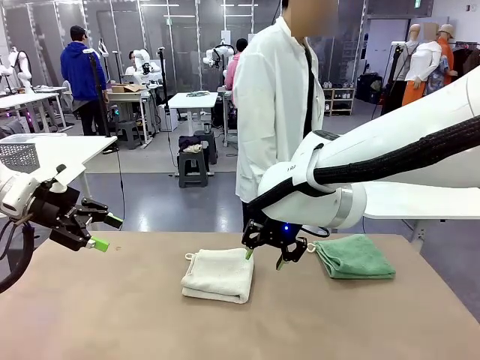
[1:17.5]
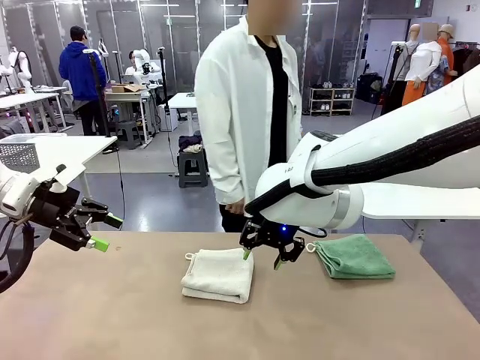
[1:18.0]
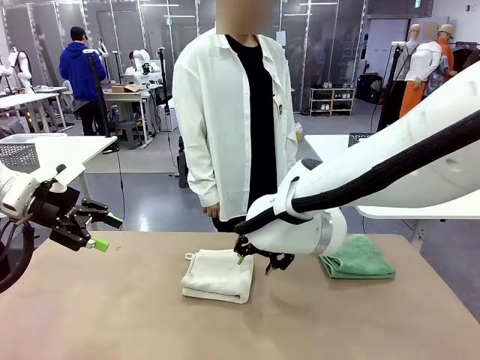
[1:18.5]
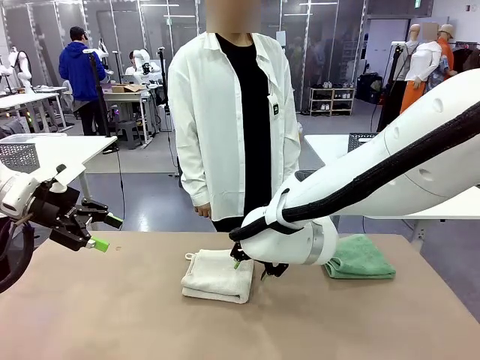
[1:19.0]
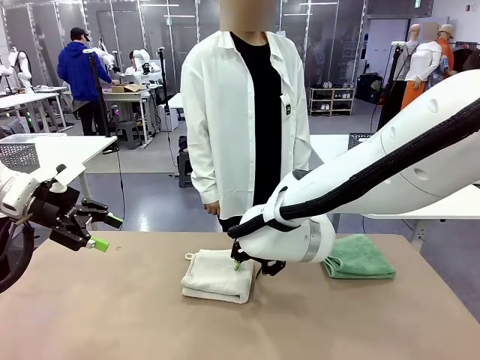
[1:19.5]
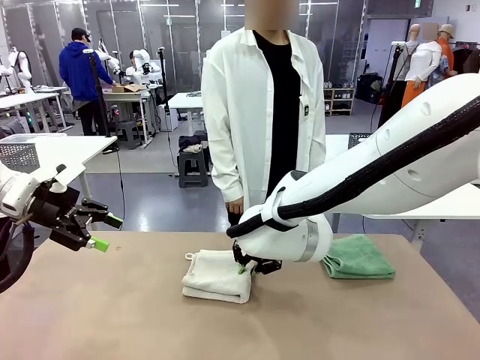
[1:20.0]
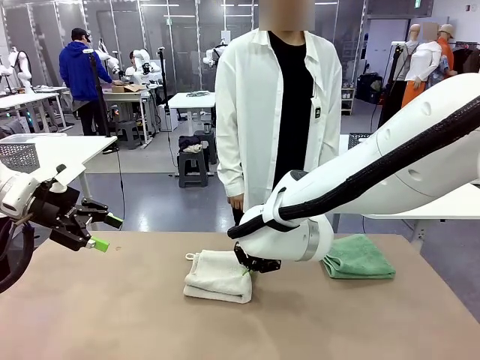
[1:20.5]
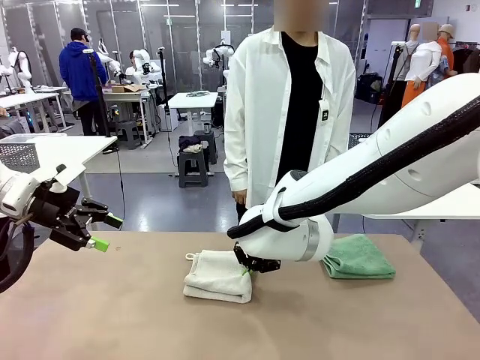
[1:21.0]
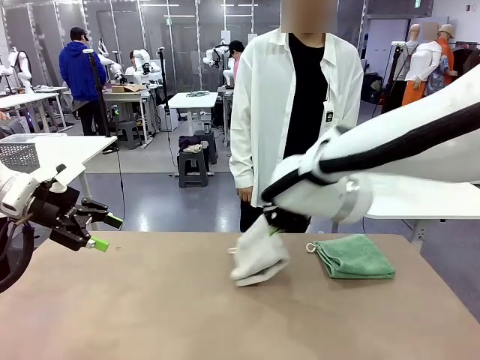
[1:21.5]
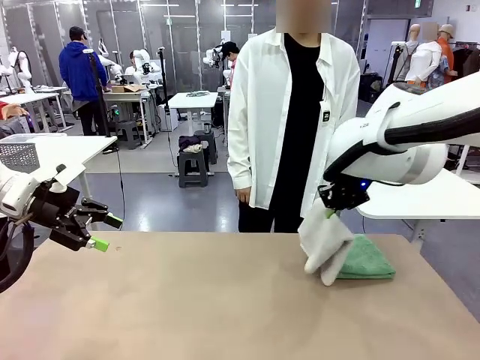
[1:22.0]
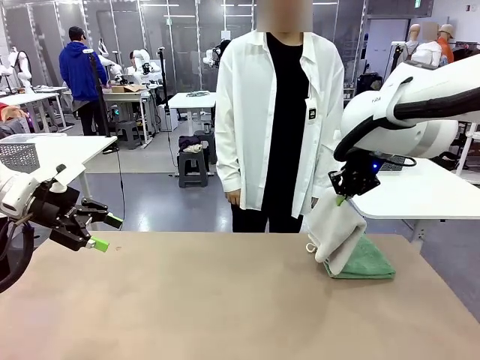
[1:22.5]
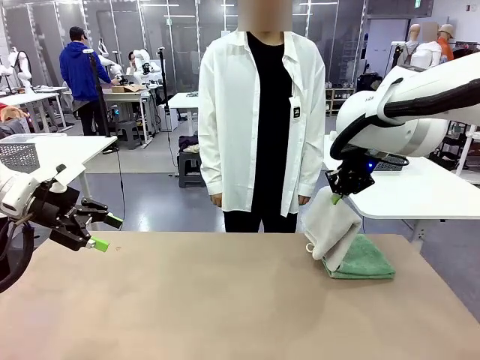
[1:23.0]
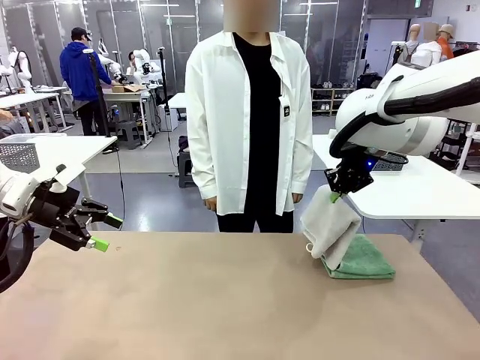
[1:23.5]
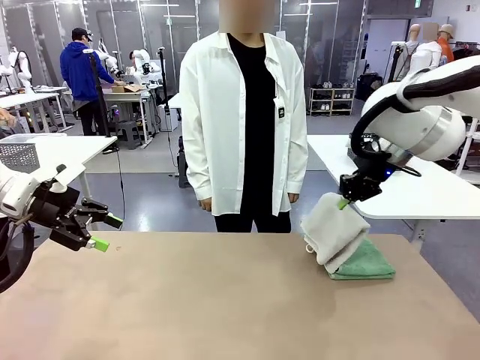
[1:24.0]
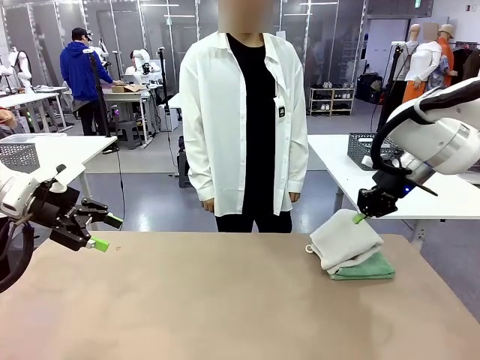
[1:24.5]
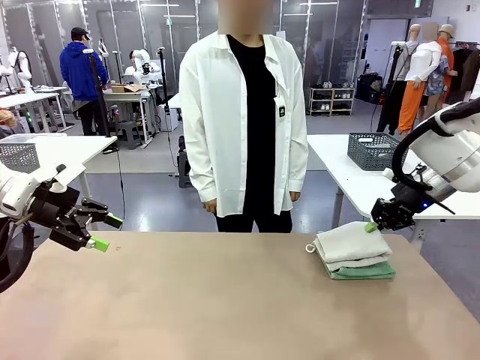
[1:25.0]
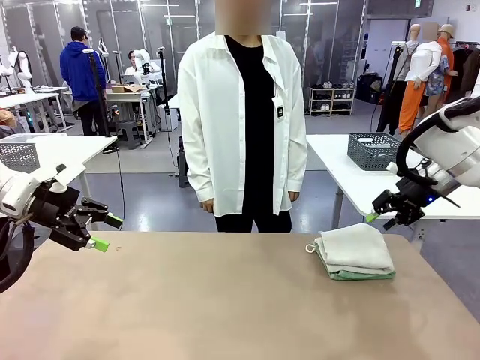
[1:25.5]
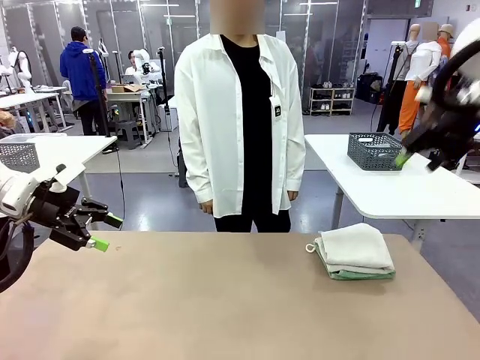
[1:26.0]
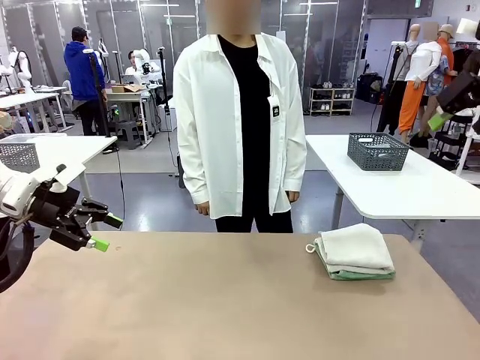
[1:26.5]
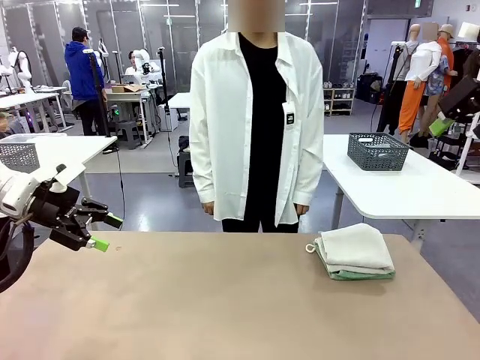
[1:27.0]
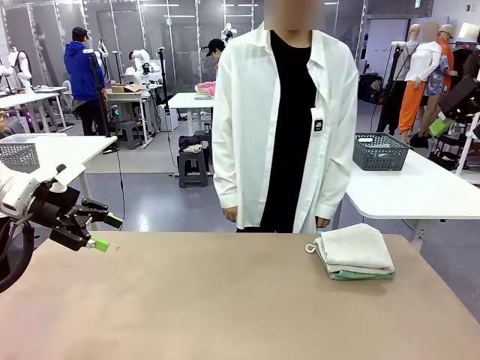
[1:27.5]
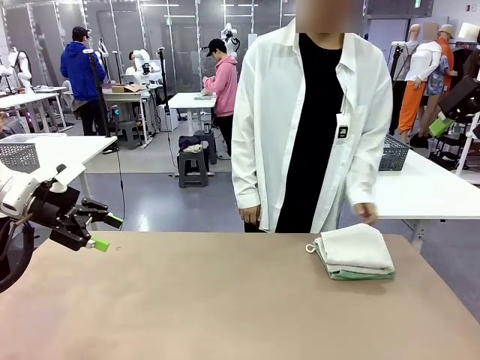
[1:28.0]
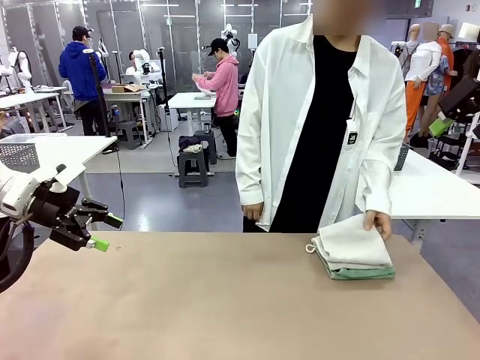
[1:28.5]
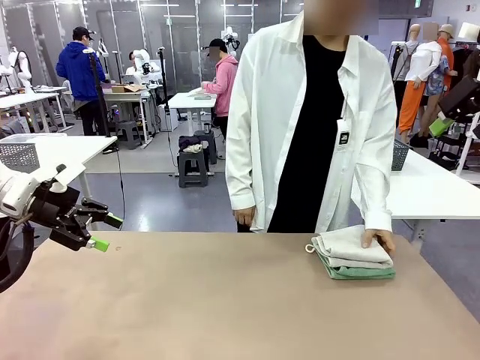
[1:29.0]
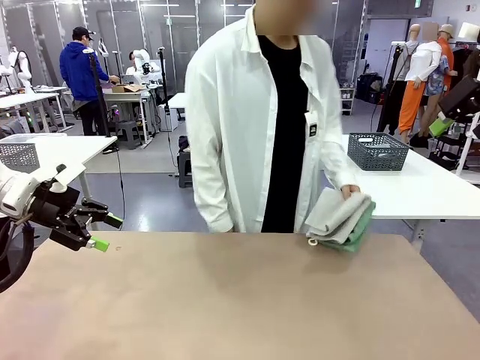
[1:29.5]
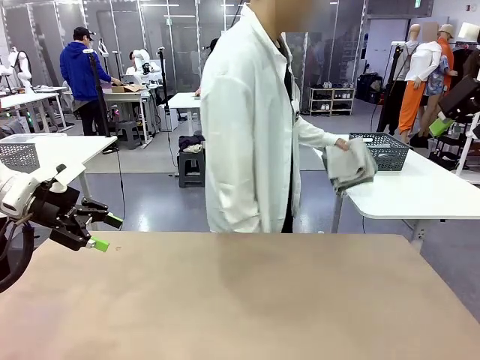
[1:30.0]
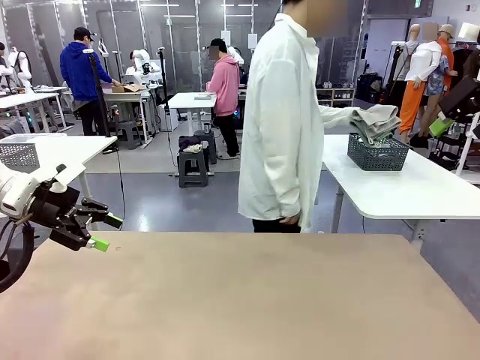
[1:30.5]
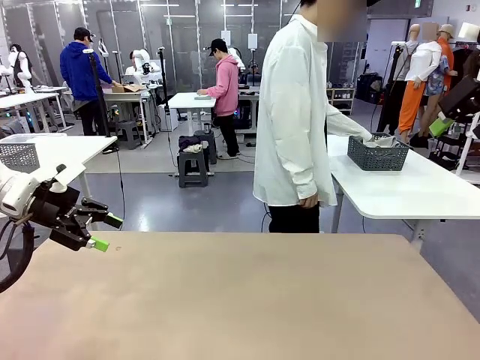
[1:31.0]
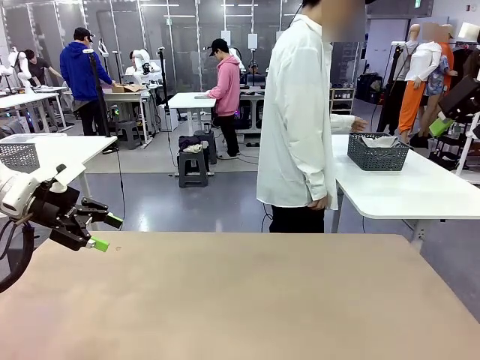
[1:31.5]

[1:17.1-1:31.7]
Task: Fold the towels and place them in the basket.
Robot: Stack the folded Towel with hook on the right side of the table.
Person: Pick up the stack of towels from the robot table and place it into the basket.

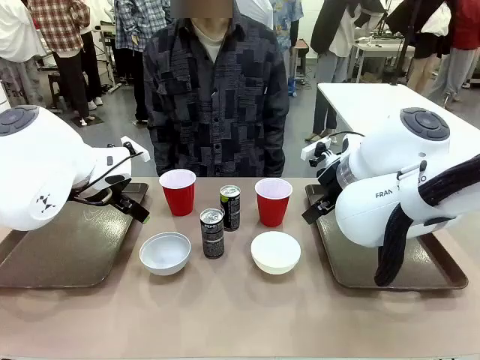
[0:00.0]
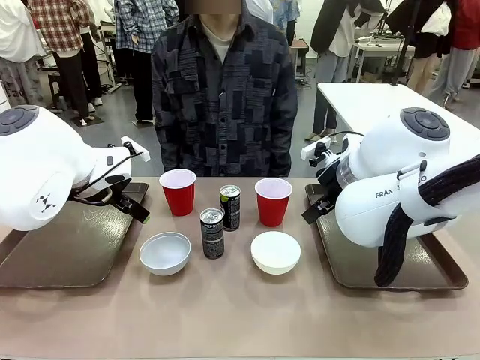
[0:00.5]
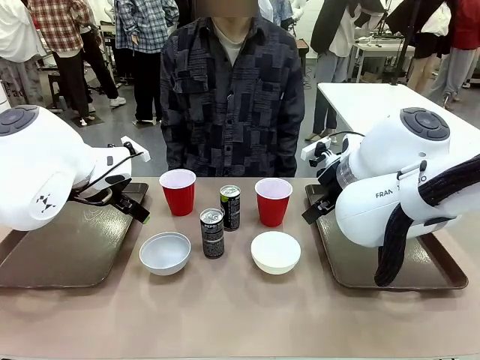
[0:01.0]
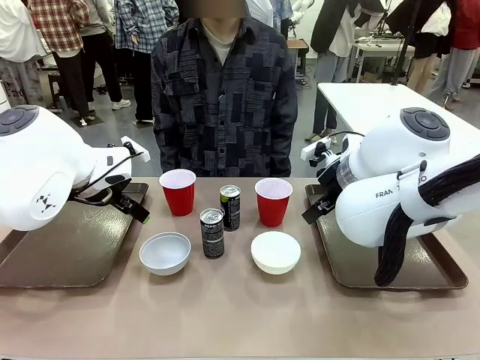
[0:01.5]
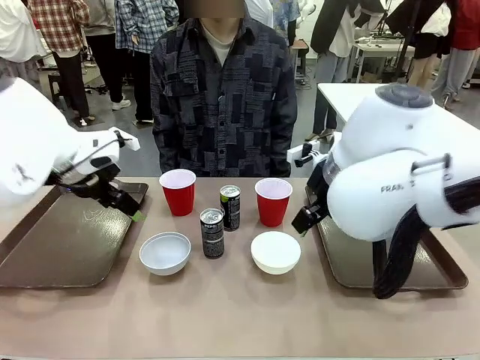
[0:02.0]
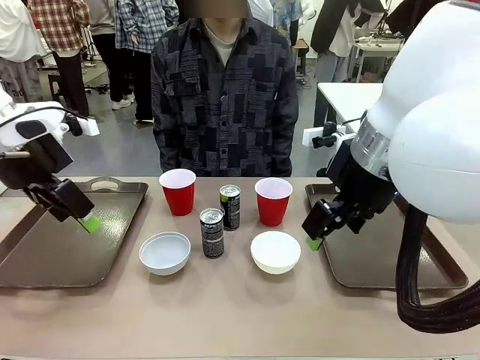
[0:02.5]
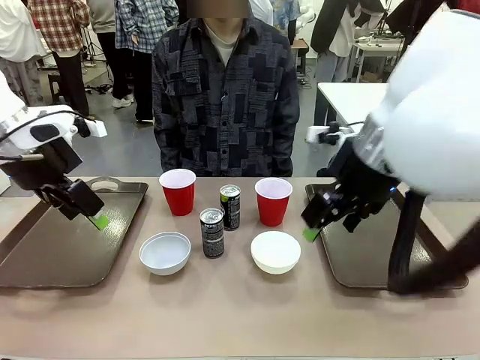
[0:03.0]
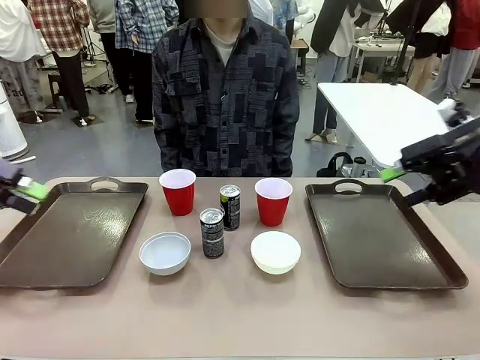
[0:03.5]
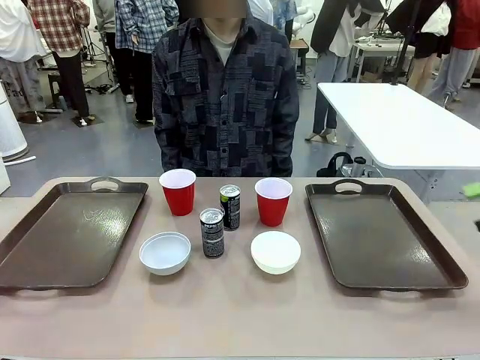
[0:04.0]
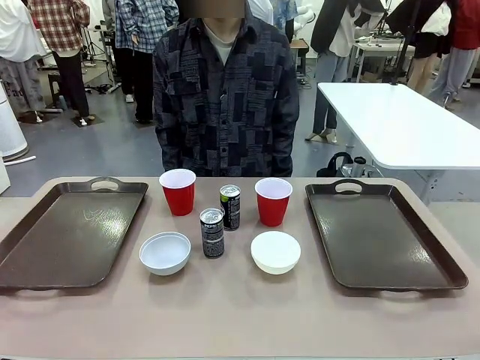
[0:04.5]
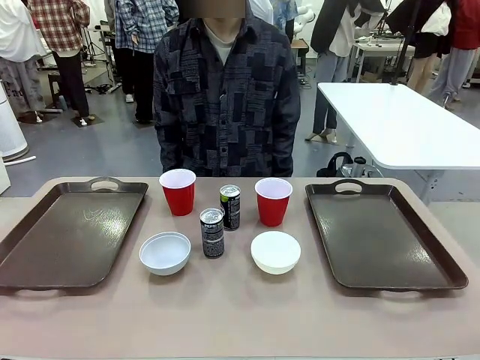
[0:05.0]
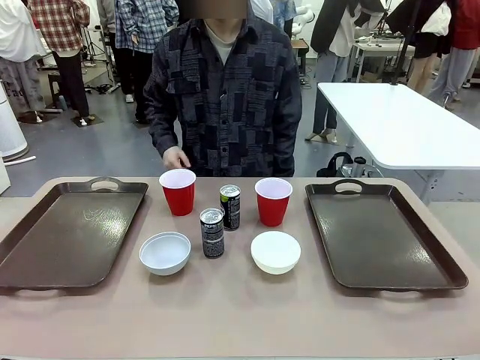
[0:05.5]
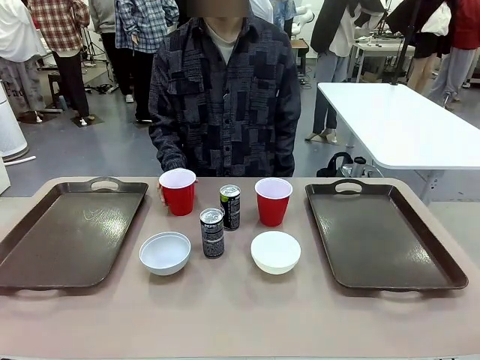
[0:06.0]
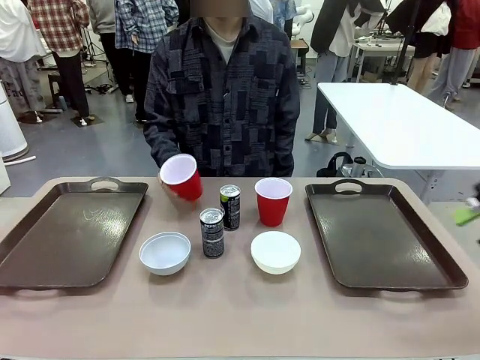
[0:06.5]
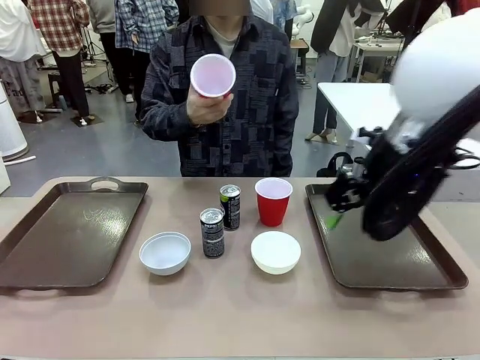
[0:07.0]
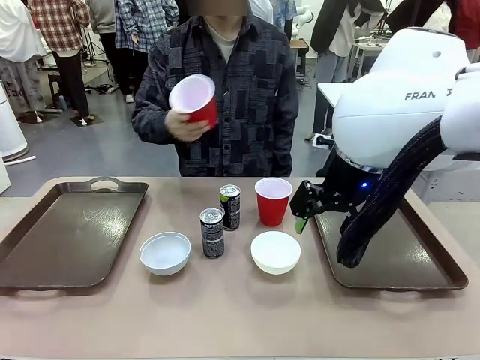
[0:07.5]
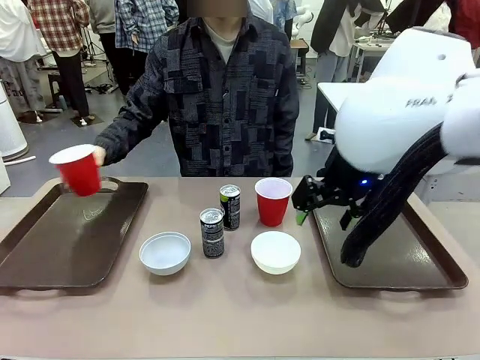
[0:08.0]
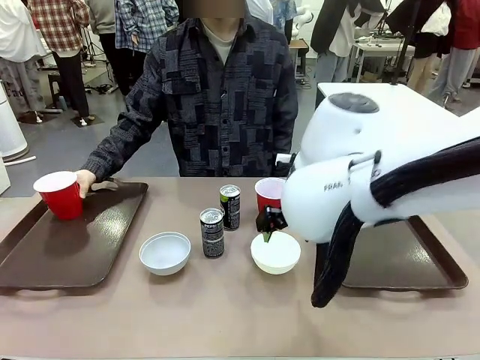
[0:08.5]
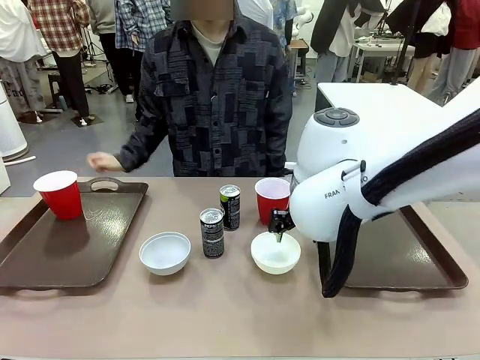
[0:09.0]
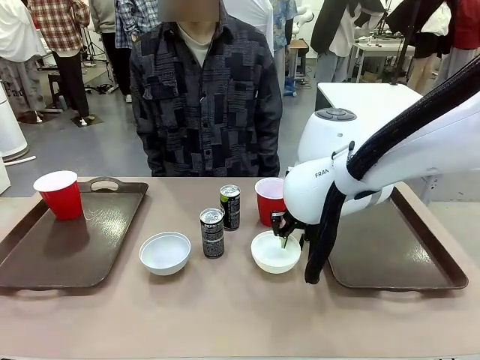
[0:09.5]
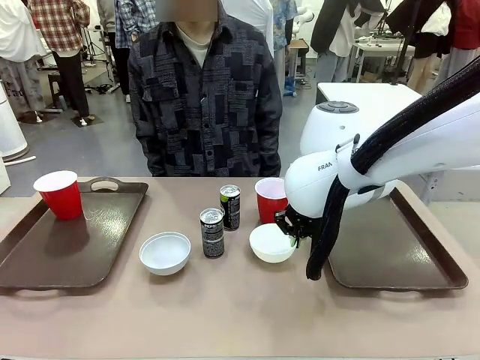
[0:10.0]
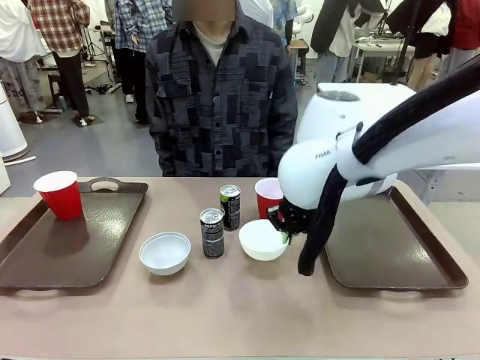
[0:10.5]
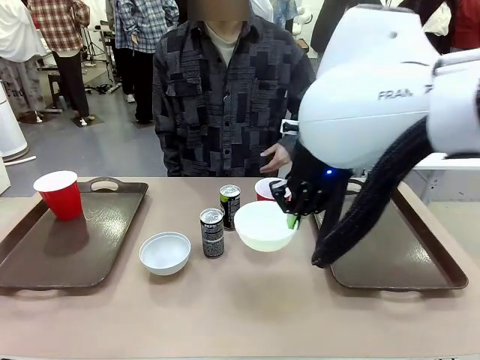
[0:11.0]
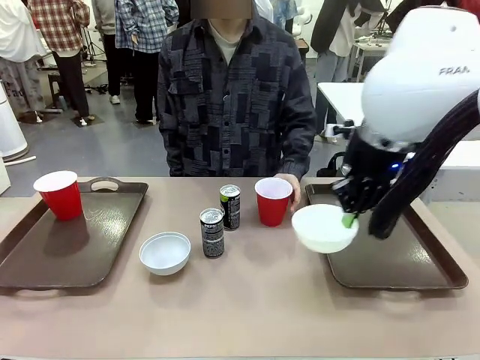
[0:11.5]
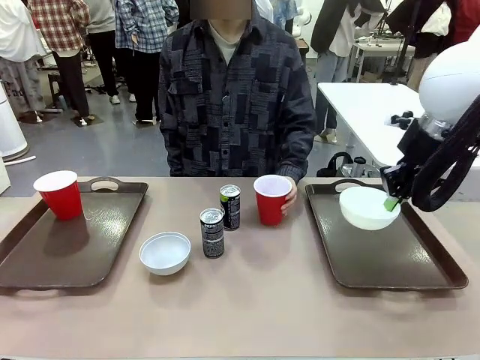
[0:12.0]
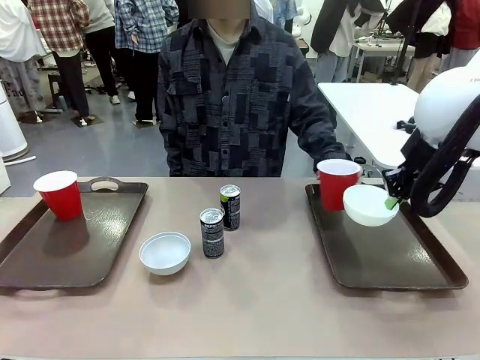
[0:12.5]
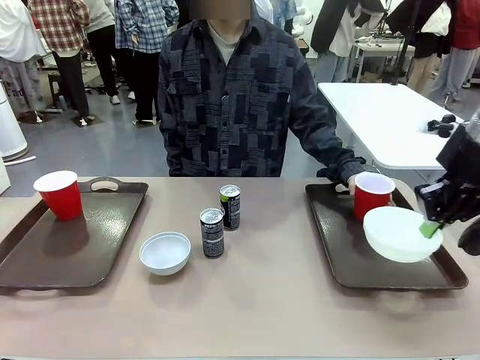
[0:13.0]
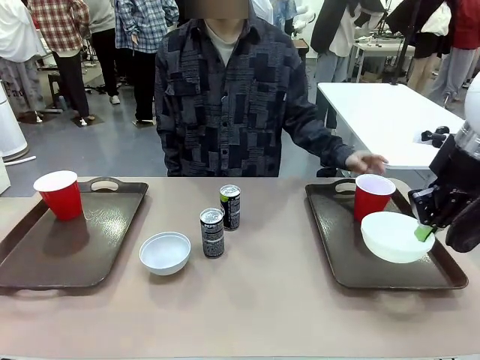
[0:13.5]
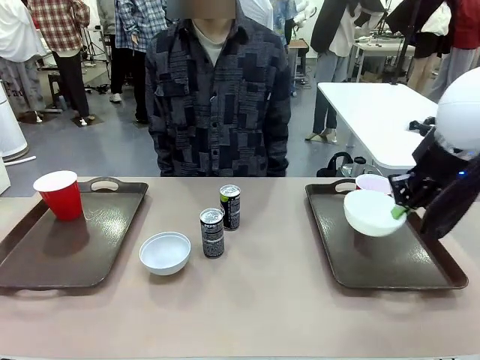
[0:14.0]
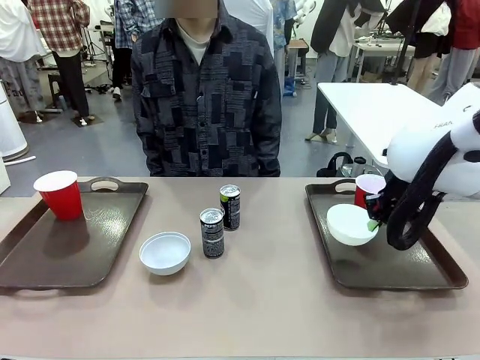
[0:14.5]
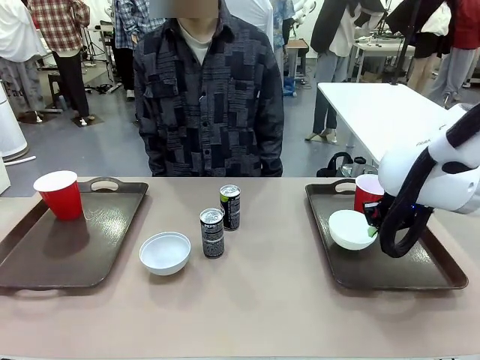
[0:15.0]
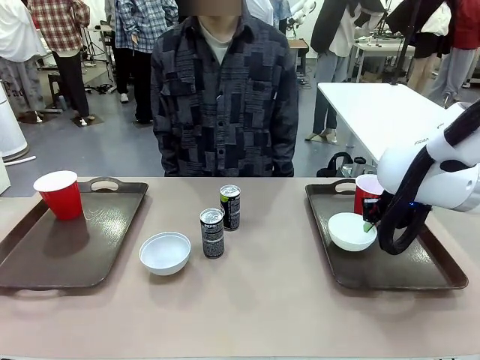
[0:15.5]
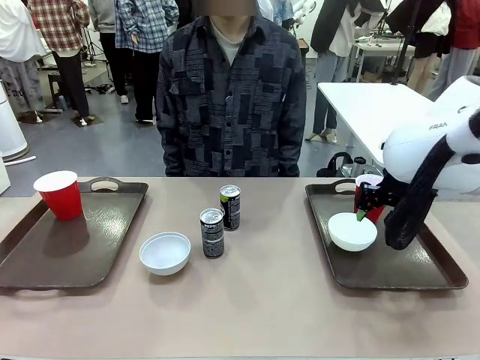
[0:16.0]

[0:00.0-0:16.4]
Task: Prepare tableware on both trays.
Robot: Pick up a Picnic Bowl from the table and place it on a Handle tray.
Person: Pick up a can or cup and place it on the tray.
